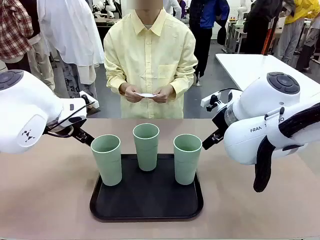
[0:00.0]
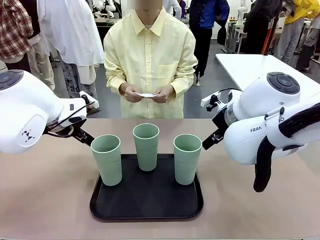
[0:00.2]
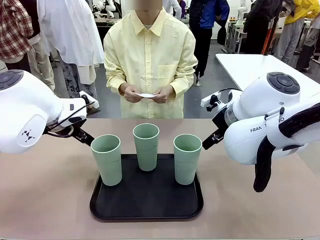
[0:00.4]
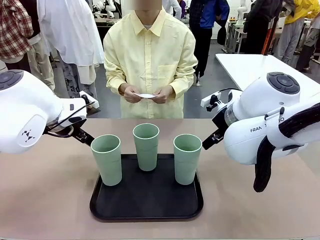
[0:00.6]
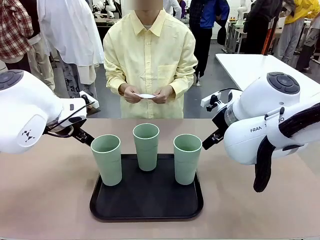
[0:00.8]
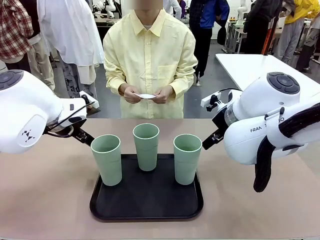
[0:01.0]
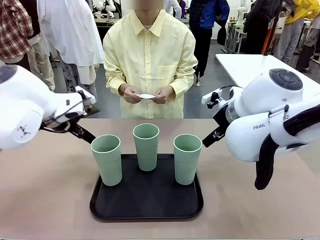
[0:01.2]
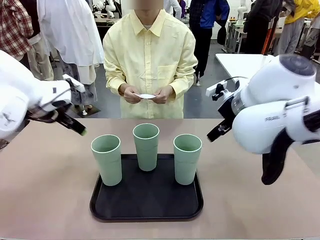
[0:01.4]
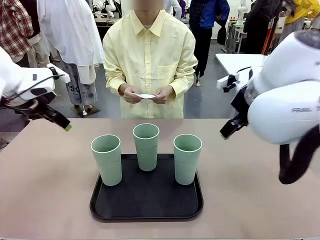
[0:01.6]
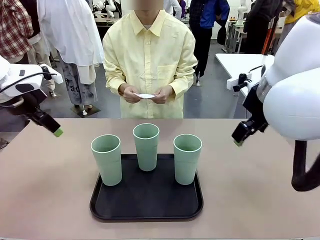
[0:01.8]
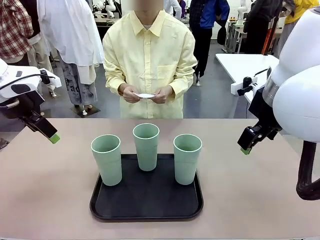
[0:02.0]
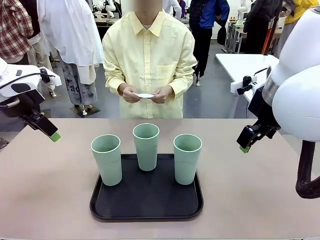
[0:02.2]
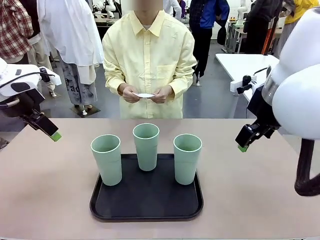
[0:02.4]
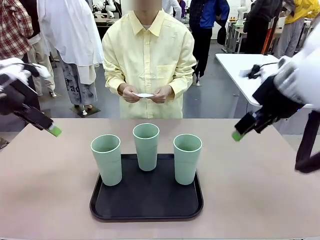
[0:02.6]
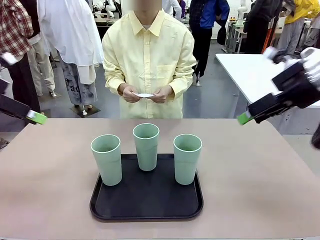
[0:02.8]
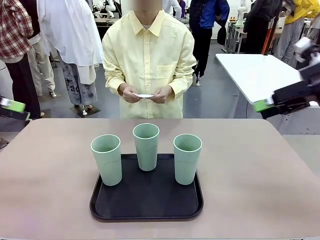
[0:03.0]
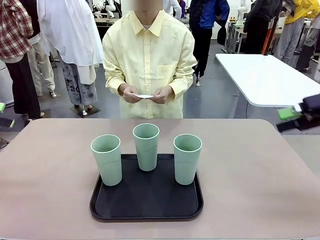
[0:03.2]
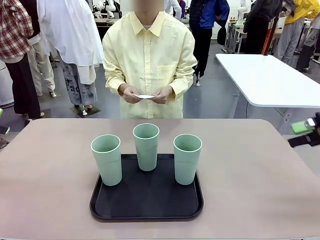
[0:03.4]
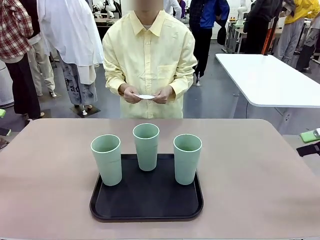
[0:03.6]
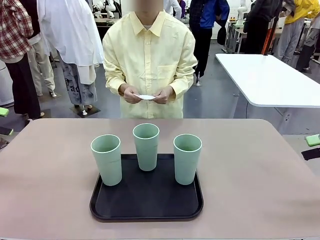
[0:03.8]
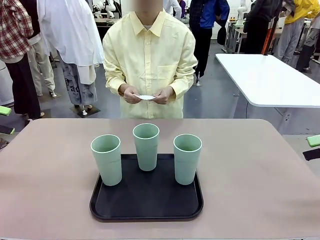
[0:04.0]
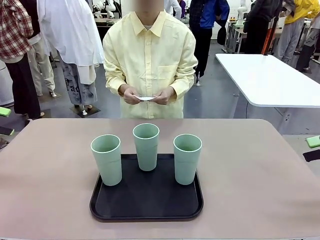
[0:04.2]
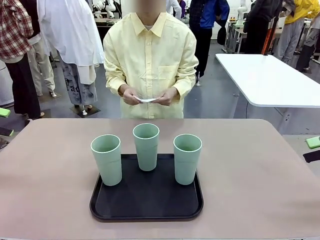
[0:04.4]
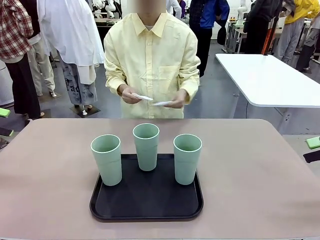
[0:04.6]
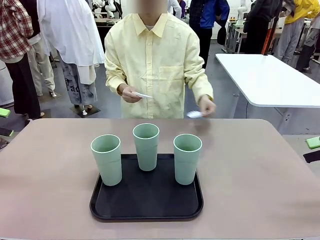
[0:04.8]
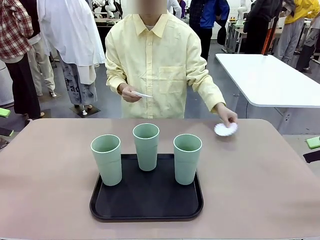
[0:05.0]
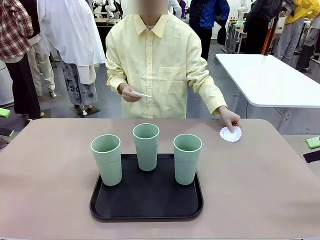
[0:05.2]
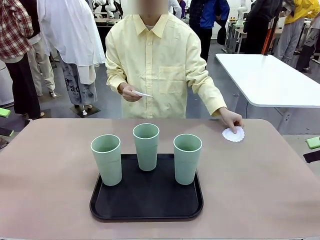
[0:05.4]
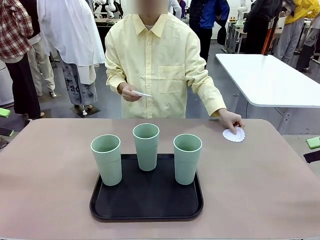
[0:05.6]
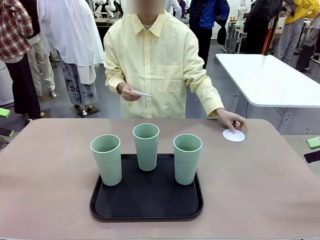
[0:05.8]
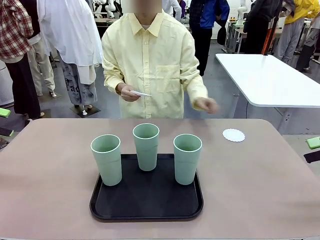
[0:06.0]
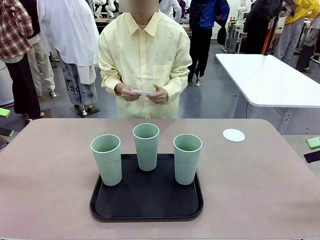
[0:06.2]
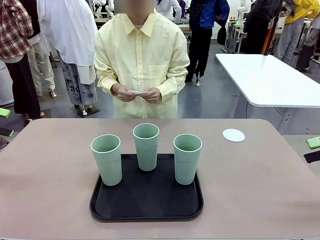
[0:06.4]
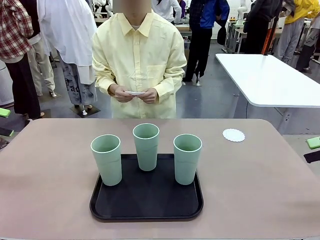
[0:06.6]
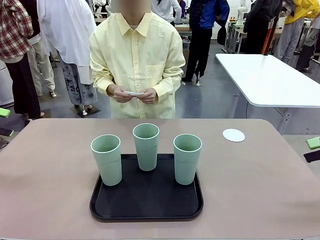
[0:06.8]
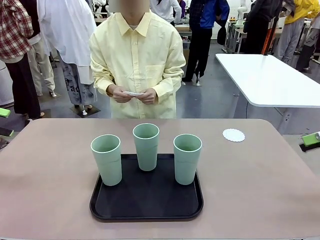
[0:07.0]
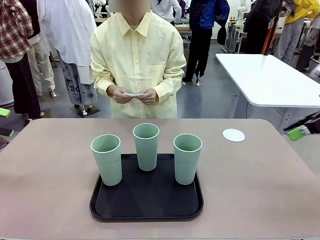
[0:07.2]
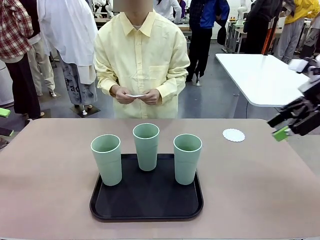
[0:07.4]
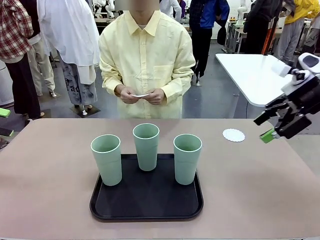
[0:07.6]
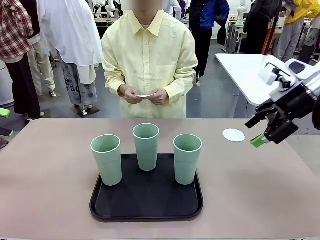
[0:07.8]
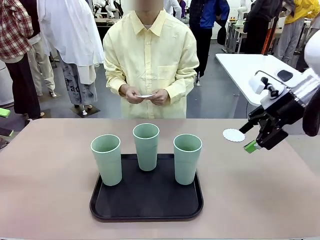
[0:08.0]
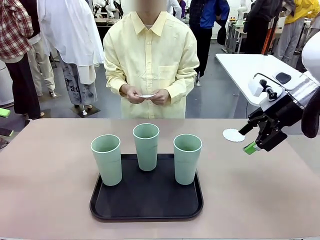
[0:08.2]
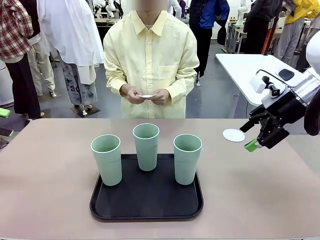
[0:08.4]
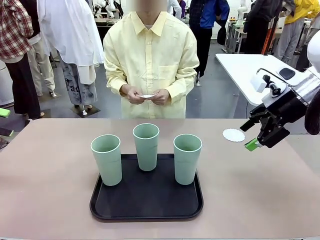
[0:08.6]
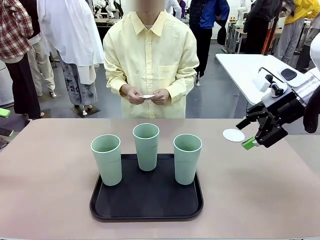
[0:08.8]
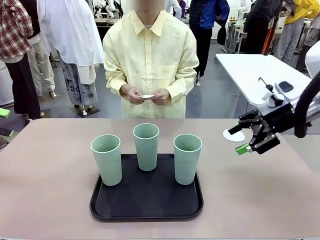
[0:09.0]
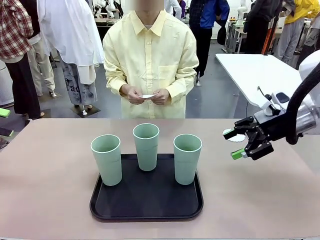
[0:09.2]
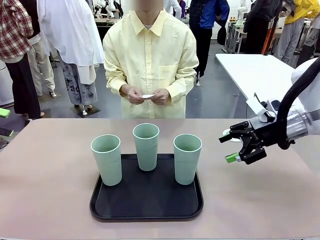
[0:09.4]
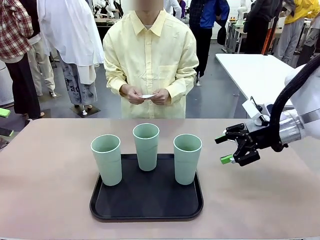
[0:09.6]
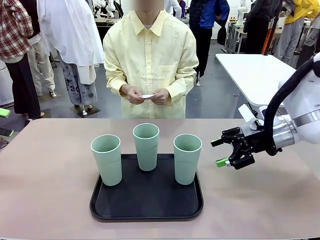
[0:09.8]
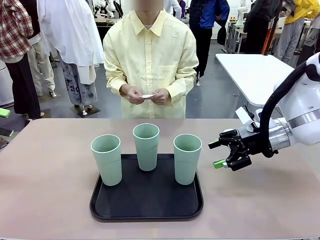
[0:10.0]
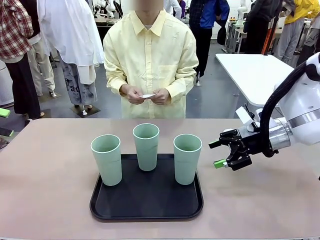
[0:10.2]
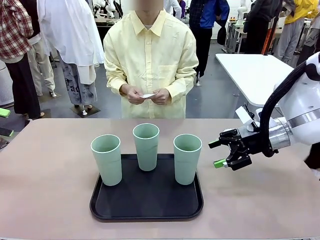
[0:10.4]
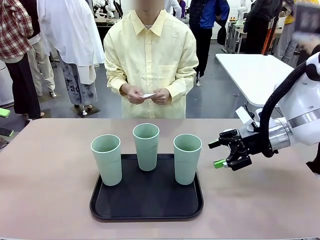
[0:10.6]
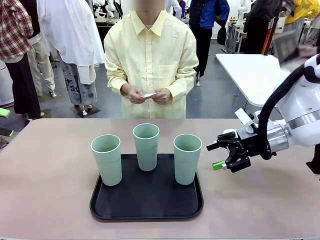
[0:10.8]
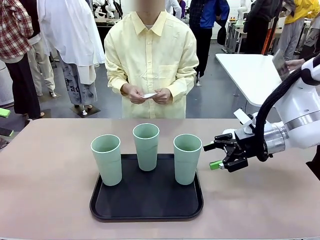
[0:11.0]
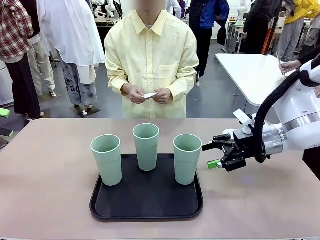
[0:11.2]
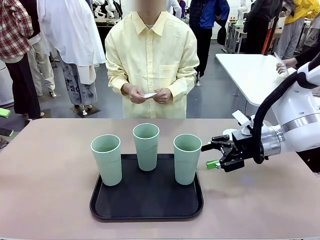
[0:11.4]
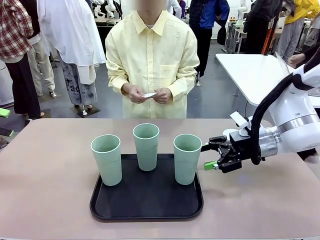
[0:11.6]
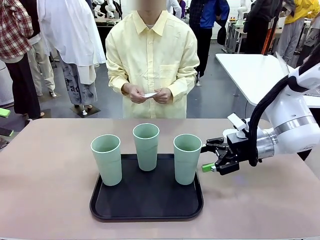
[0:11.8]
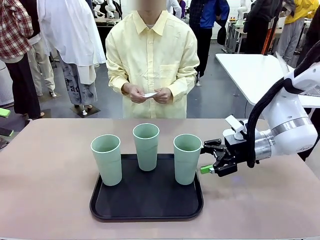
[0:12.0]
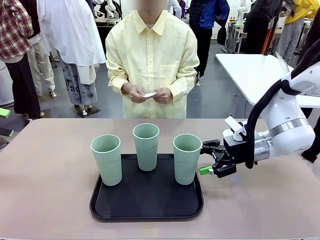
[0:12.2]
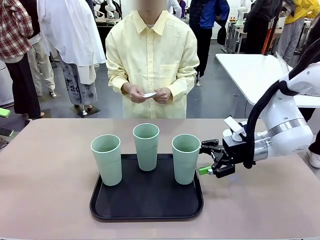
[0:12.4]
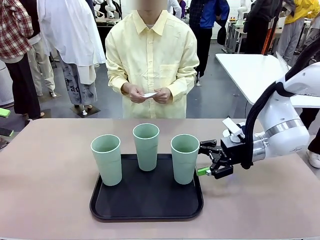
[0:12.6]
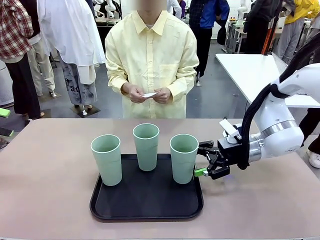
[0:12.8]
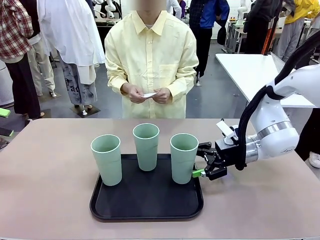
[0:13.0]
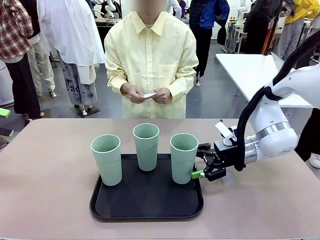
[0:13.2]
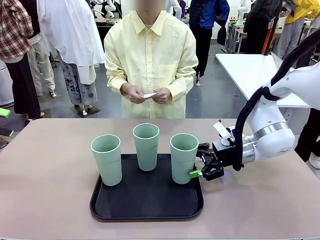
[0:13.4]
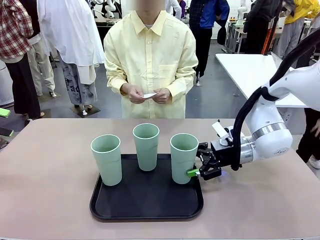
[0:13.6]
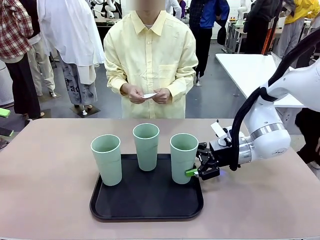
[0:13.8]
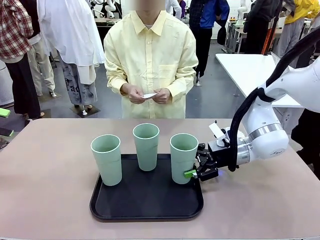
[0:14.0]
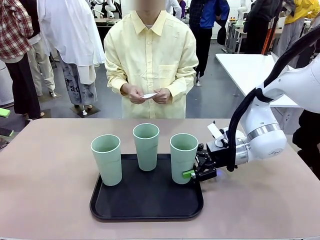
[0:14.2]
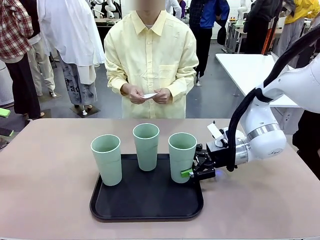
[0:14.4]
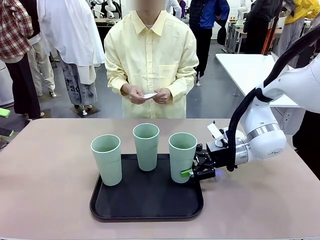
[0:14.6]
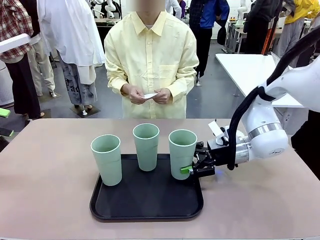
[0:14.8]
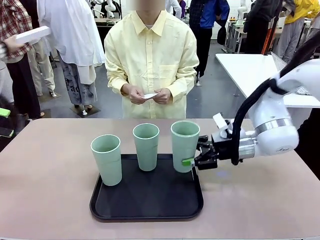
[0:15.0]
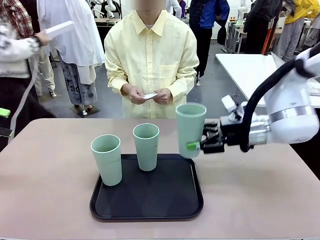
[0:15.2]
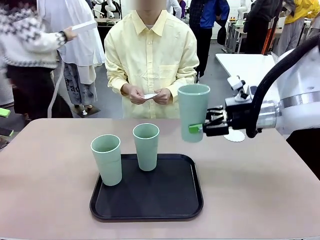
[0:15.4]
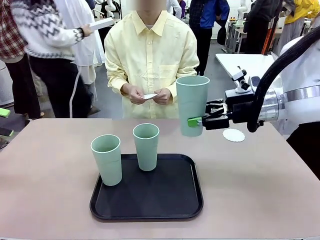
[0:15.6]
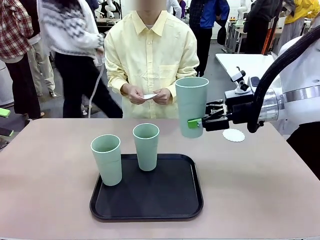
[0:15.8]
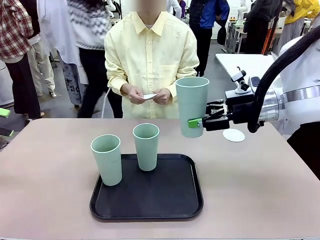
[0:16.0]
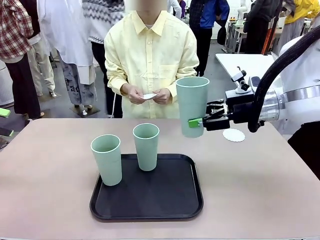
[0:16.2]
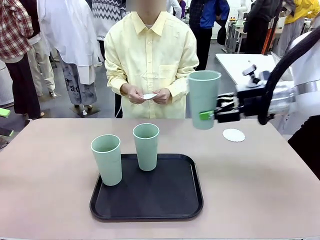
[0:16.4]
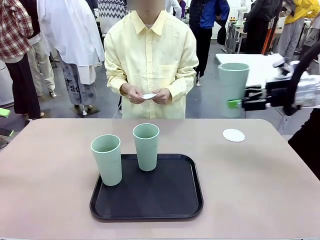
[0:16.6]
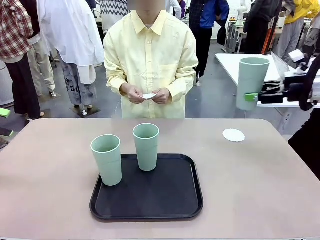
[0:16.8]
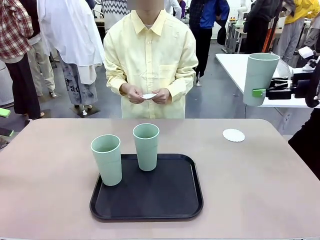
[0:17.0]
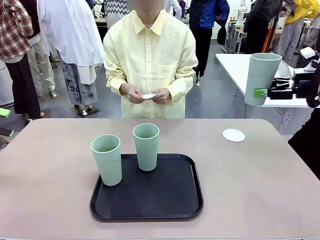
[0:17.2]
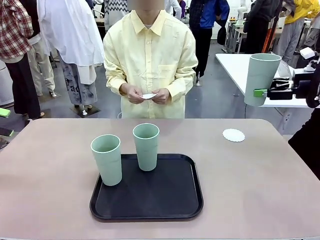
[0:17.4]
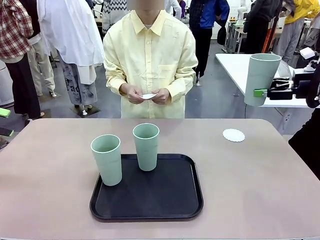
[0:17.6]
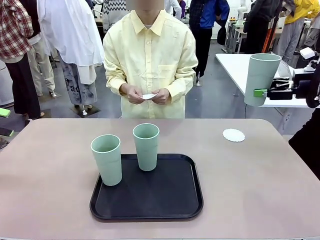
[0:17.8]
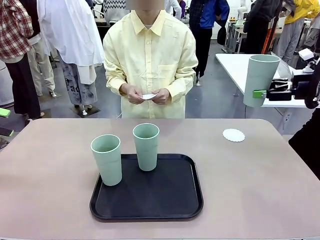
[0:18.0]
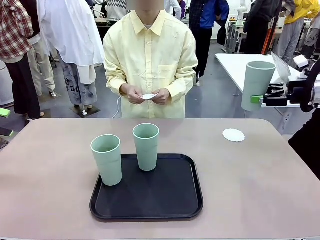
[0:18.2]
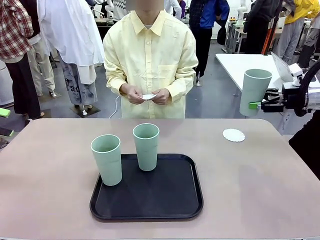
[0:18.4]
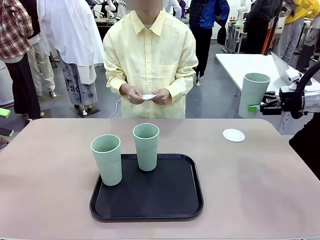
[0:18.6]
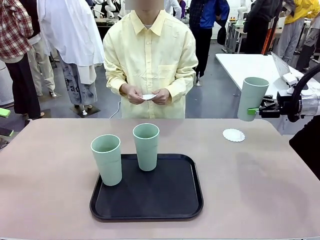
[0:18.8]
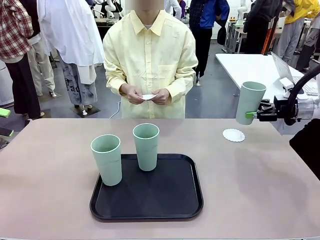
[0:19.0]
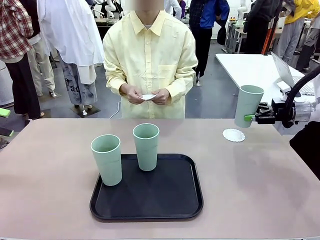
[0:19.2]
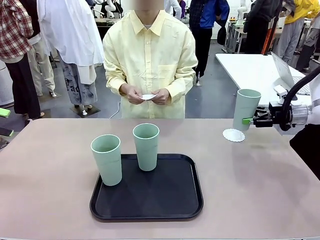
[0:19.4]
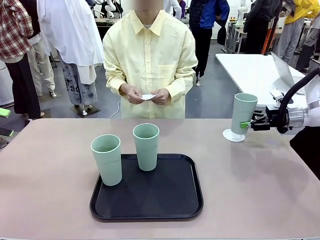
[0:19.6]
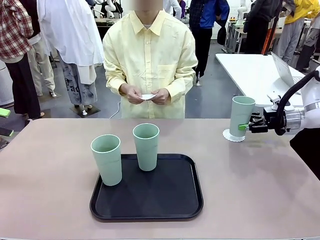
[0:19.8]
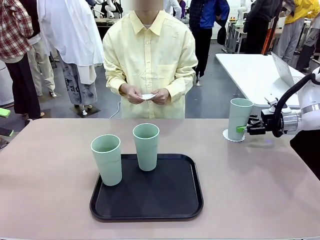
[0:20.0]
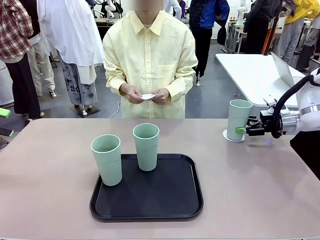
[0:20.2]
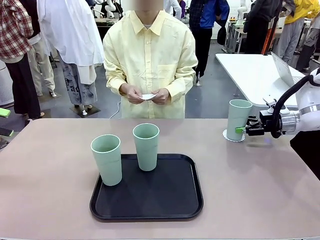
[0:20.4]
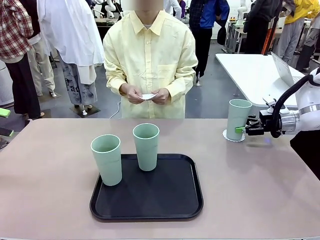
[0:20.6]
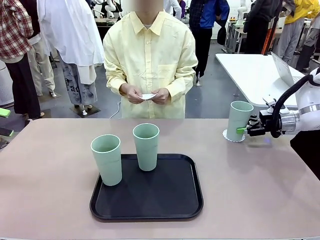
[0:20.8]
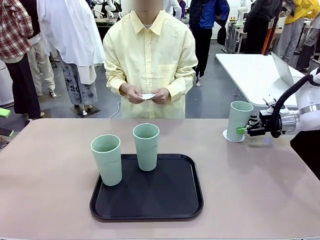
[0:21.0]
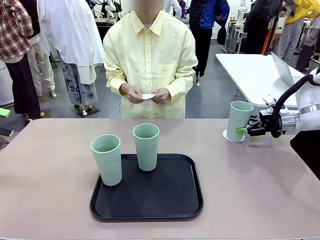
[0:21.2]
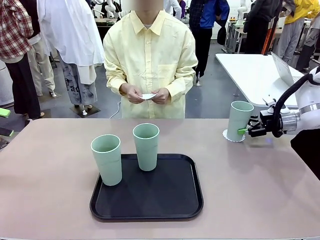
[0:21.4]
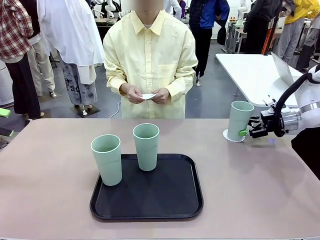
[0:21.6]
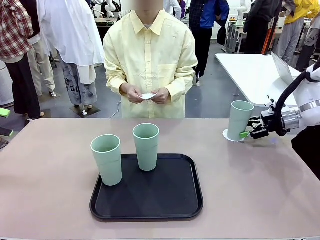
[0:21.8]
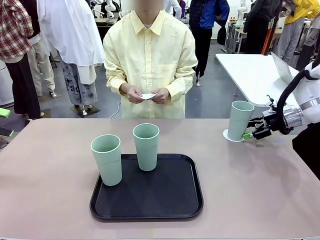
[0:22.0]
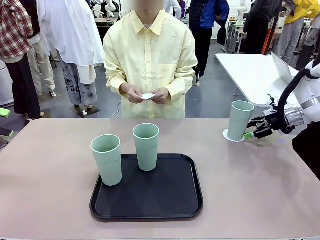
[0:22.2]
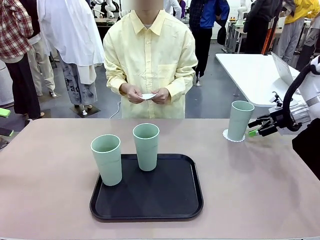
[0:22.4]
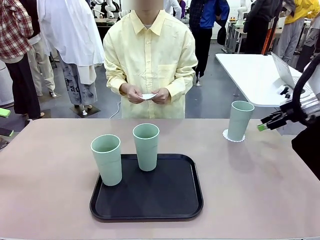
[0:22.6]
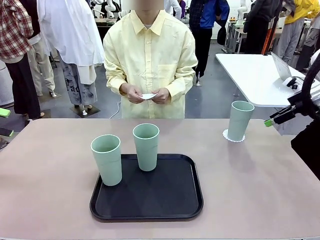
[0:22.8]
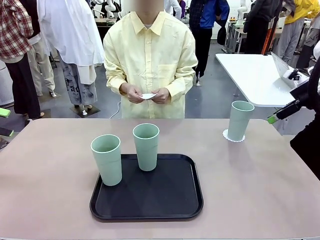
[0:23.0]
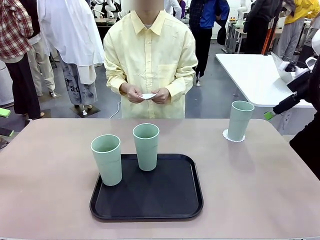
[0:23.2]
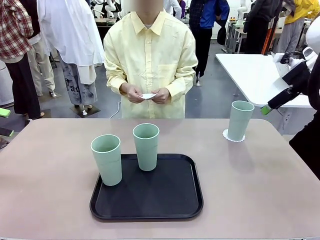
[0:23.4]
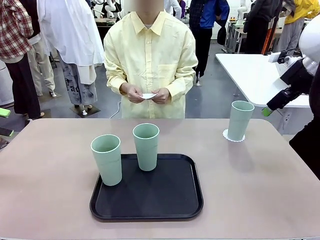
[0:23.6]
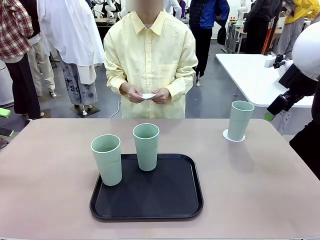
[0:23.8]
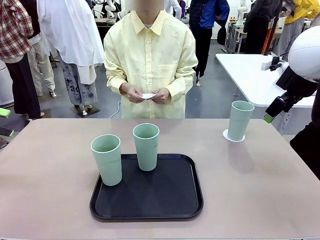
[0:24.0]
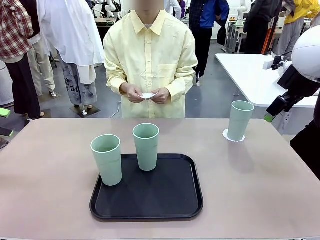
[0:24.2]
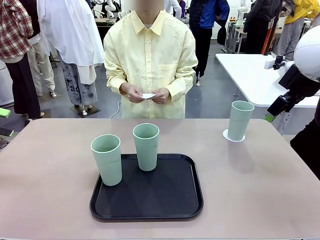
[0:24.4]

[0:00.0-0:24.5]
Task: Place coasters on the table and set cups on them.
Robot: Pick up one Reusable plastic cup and place it on a coaster set by the human.
Person: Place one coaster in any one of the three lower areas of the robot table (left, center, or right). Place one coaster in one of the two areas excluding the previously selected area.
